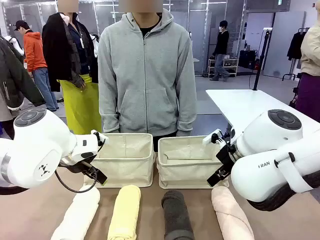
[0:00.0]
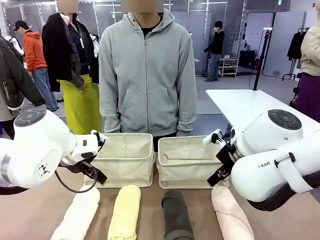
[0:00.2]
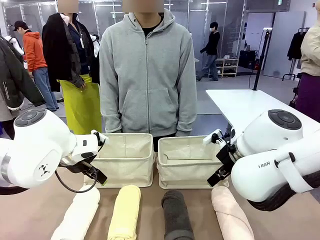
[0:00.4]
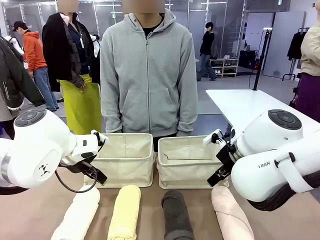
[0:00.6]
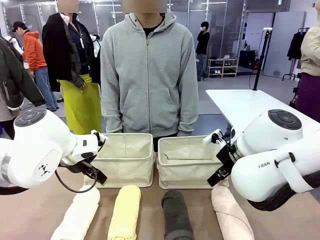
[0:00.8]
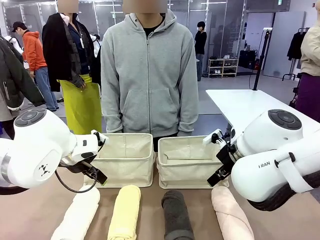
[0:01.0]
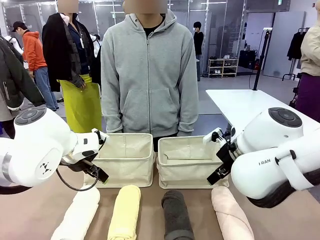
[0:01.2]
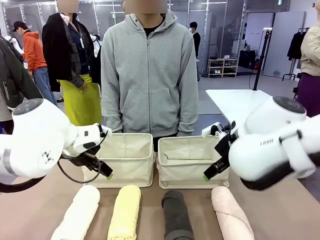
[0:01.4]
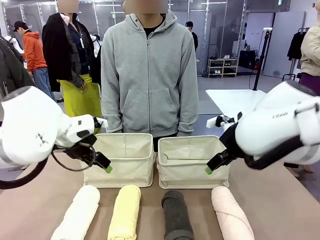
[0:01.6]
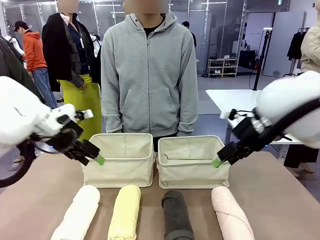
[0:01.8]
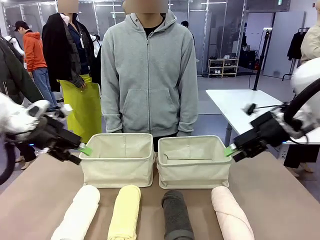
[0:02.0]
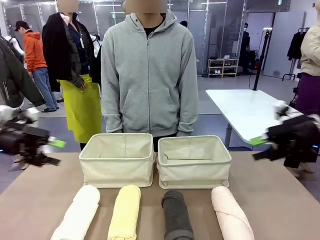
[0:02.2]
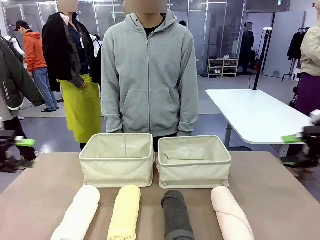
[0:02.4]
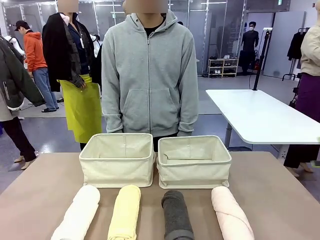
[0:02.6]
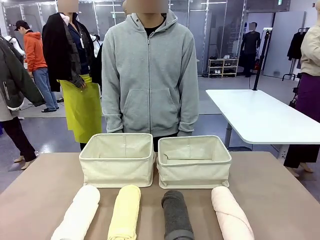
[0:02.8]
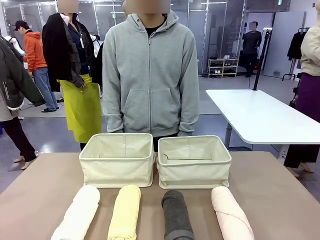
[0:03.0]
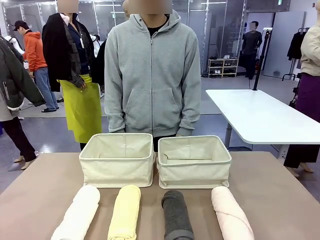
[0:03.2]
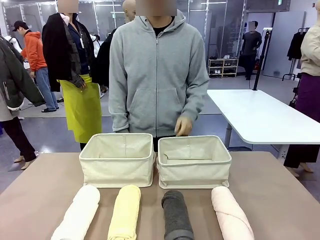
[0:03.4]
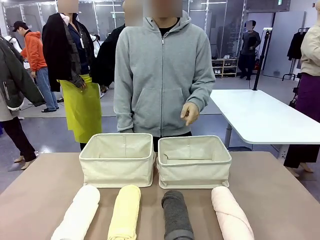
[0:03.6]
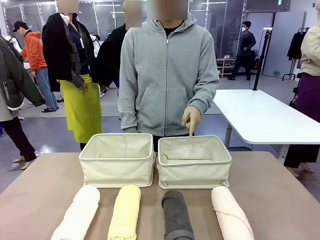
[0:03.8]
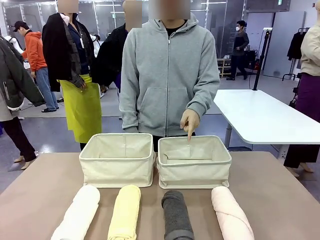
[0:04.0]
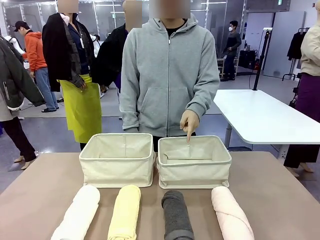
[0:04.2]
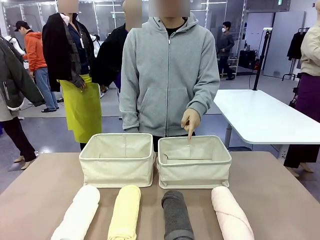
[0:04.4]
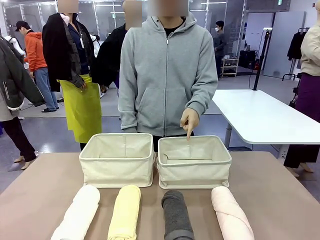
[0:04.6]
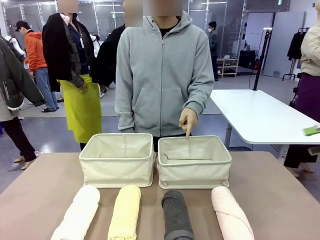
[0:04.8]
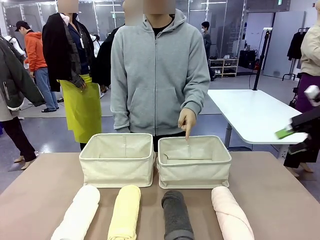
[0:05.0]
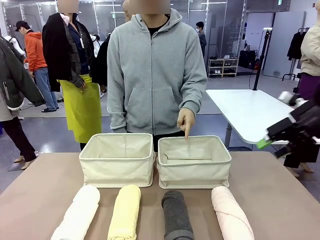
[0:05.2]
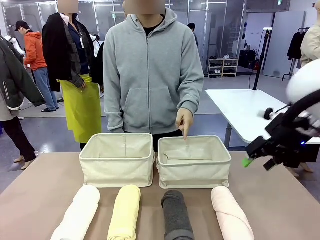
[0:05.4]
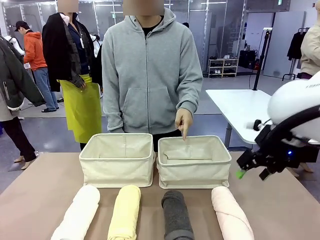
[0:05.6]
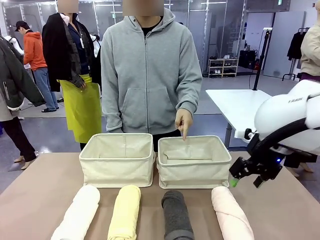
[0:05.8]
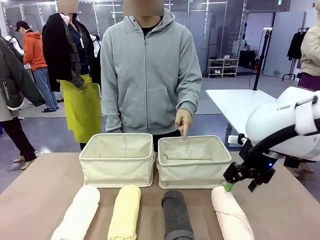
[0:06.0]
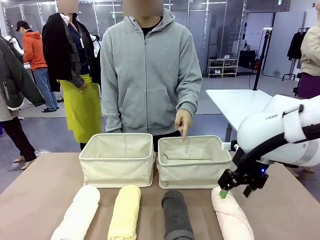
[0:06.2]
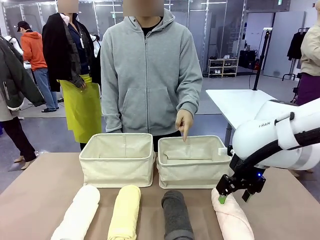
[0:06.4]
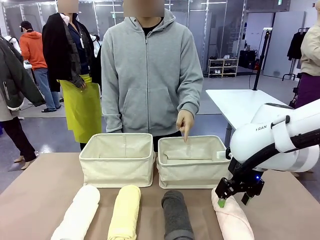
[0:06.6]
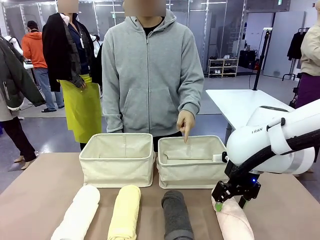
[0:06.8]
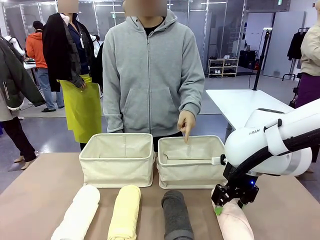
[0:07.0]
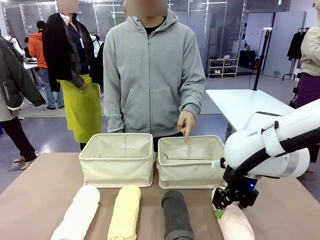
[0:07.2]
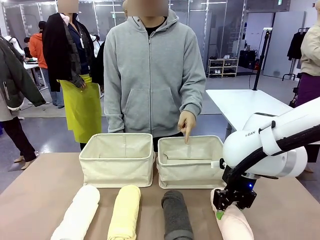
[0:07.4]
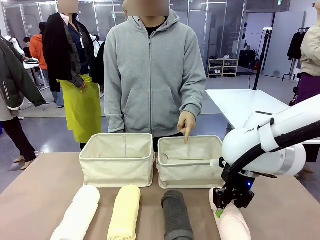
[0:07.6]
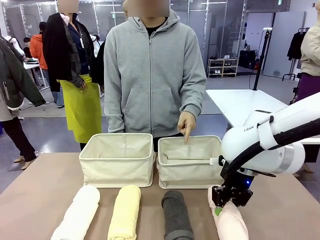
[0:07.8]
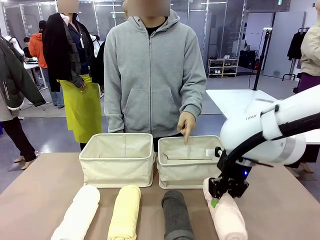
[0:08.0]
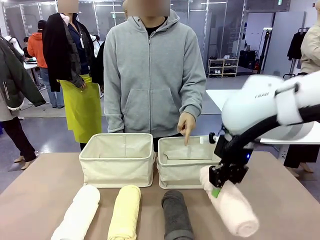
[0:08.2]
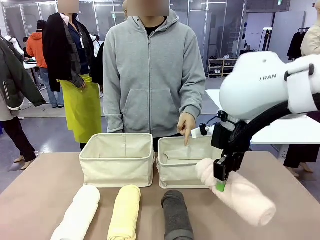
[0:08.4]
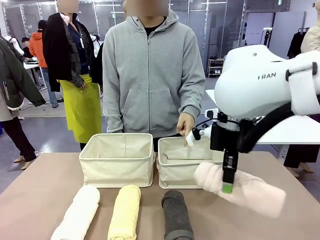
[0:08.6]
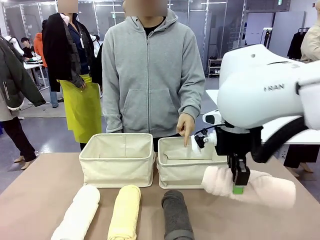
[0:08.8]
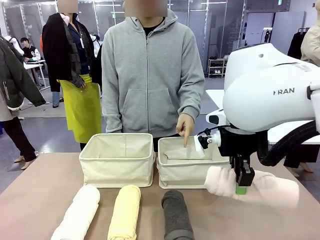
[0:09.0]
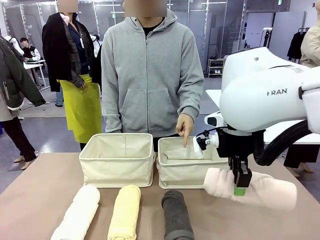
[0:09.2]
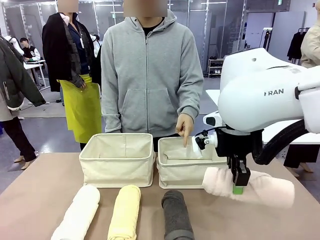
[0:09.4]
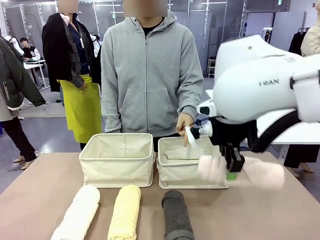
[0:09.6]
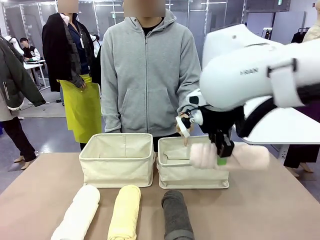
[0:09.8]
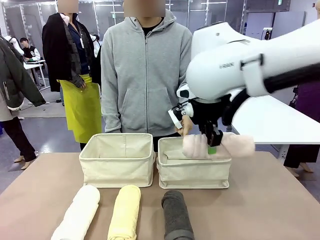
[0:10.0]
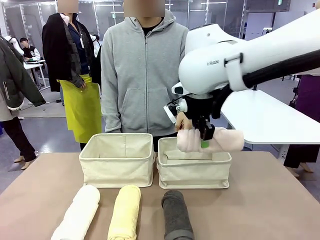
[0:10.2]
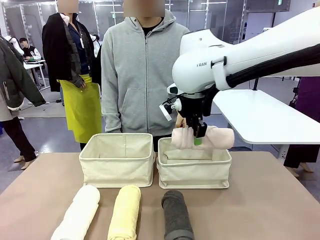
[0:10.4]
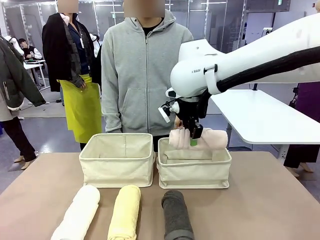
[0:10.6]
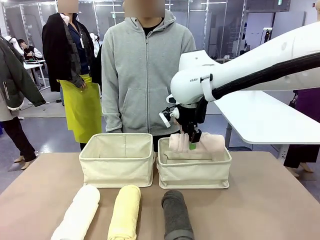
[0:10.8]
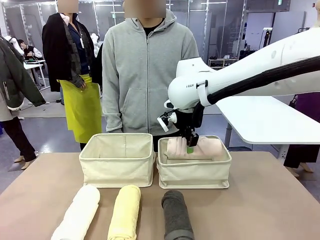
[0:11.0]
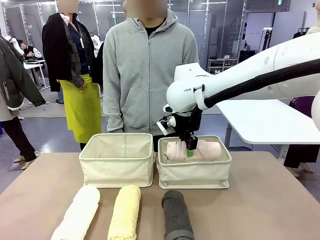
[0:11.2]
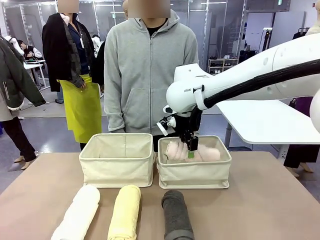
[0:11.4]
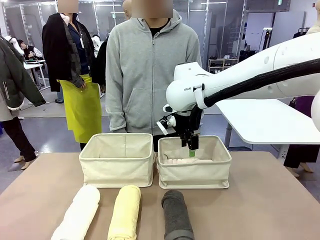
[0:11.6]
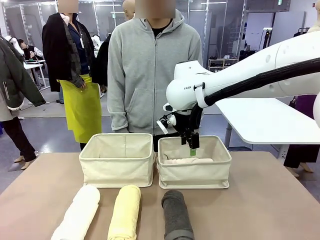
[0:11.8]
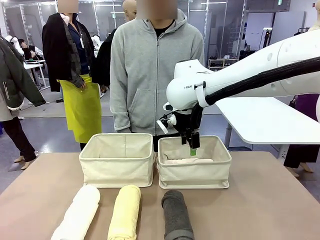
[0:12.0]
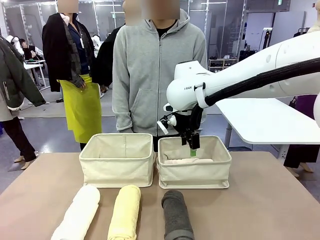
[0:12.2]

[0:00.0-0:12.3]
Task: Divide the towels into two baskets.
Robot: Pick up one hotel-folded towel and place it in the Fabric basket indicated by the person.

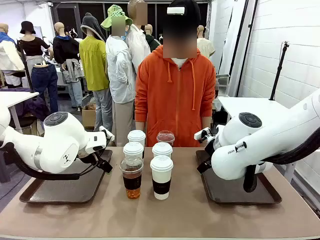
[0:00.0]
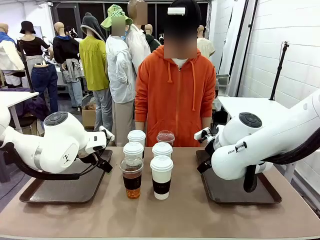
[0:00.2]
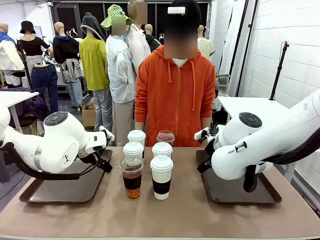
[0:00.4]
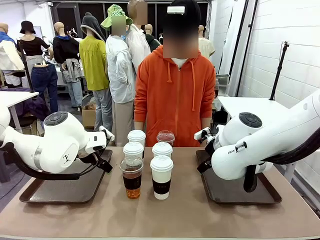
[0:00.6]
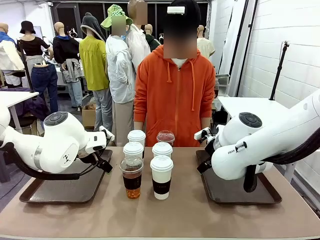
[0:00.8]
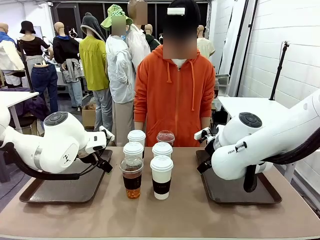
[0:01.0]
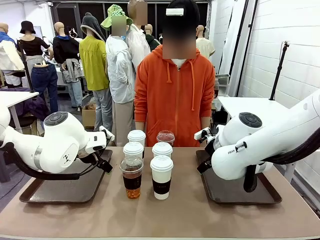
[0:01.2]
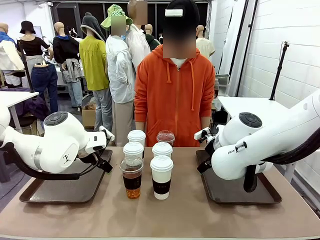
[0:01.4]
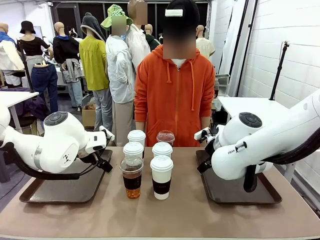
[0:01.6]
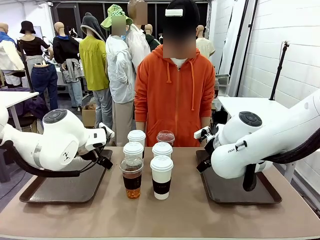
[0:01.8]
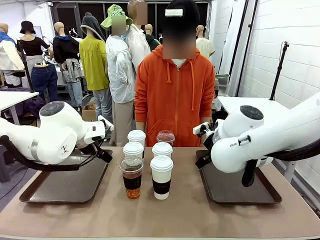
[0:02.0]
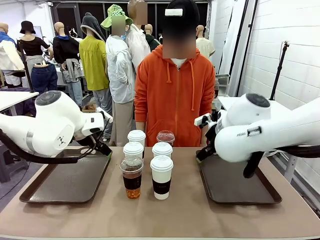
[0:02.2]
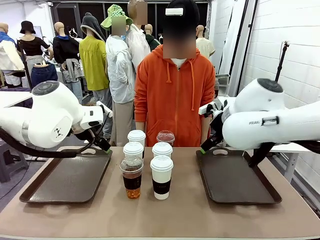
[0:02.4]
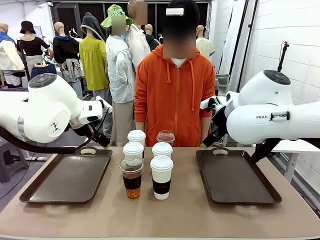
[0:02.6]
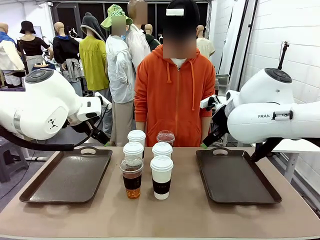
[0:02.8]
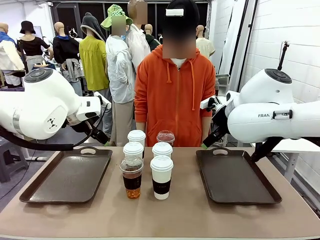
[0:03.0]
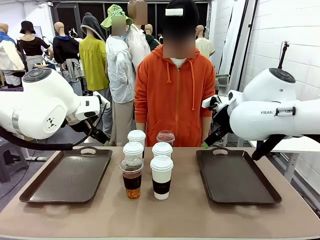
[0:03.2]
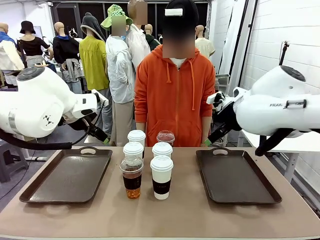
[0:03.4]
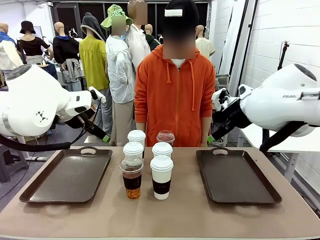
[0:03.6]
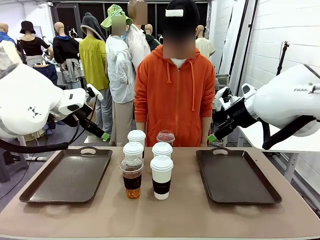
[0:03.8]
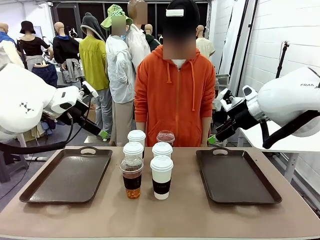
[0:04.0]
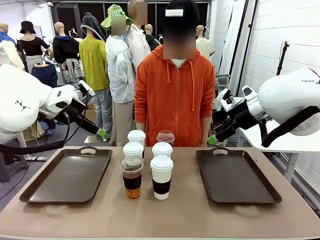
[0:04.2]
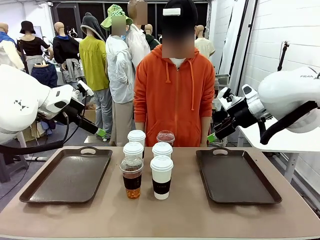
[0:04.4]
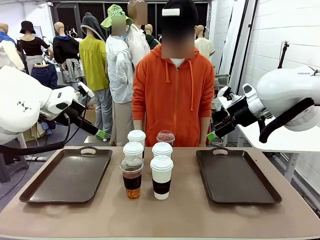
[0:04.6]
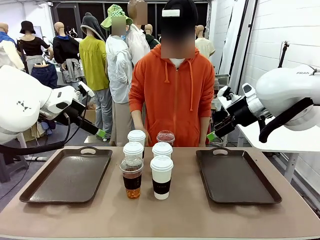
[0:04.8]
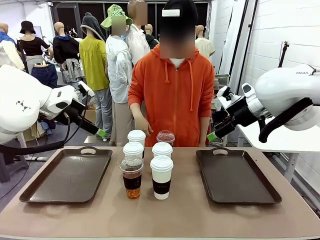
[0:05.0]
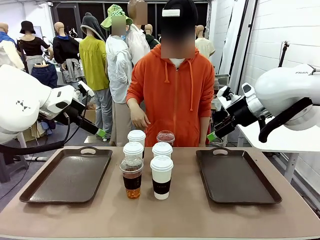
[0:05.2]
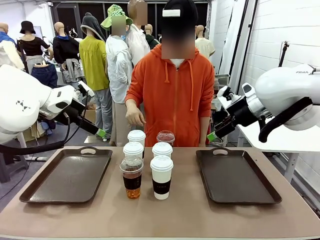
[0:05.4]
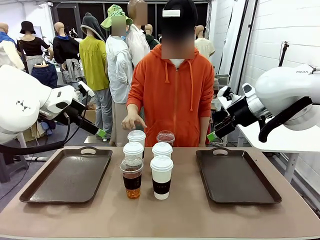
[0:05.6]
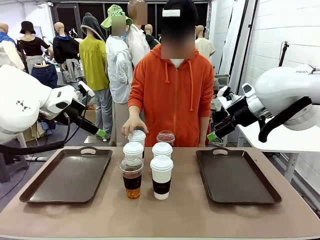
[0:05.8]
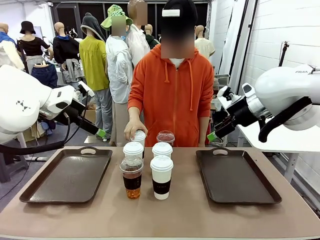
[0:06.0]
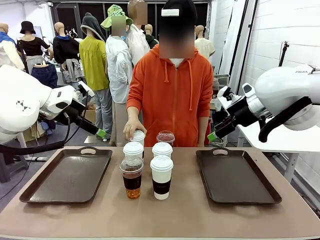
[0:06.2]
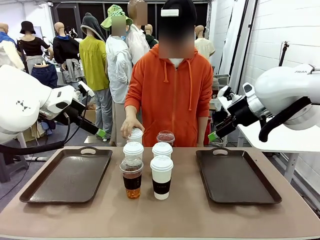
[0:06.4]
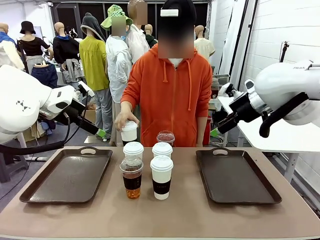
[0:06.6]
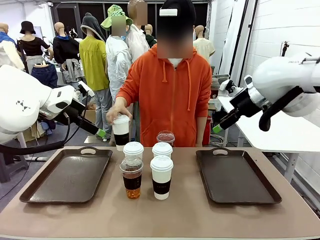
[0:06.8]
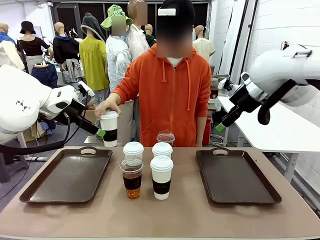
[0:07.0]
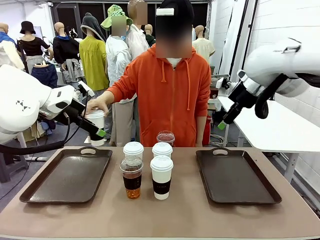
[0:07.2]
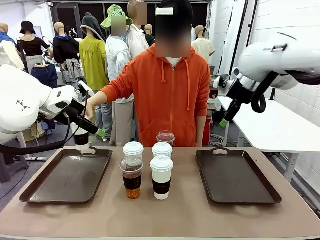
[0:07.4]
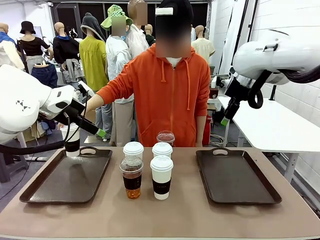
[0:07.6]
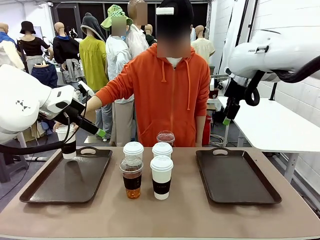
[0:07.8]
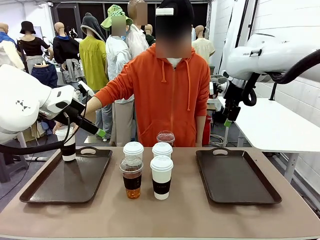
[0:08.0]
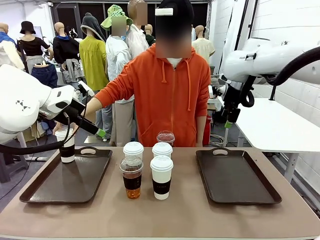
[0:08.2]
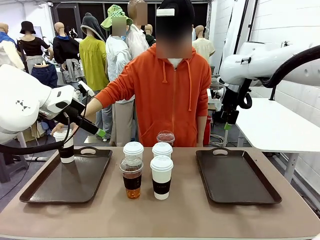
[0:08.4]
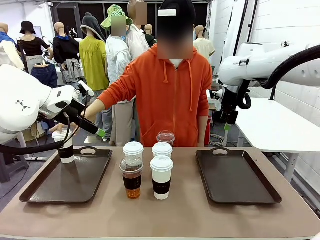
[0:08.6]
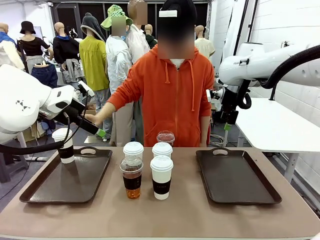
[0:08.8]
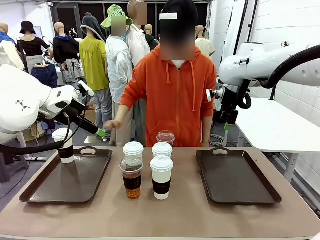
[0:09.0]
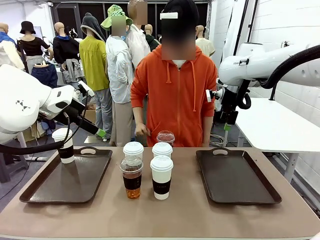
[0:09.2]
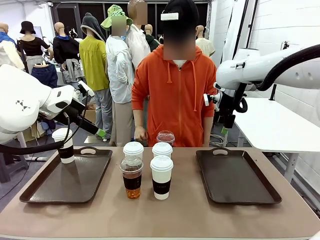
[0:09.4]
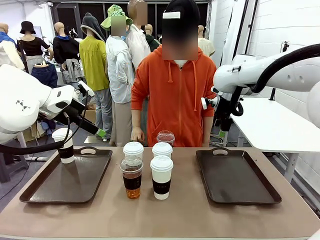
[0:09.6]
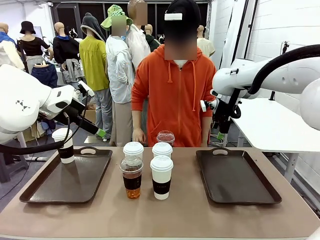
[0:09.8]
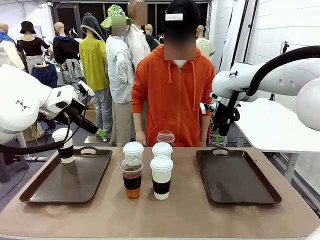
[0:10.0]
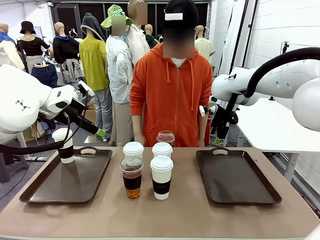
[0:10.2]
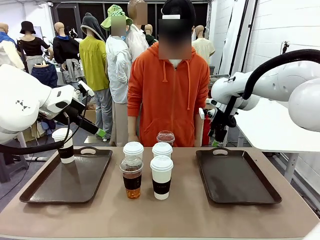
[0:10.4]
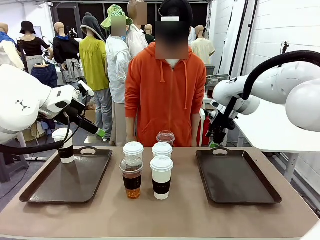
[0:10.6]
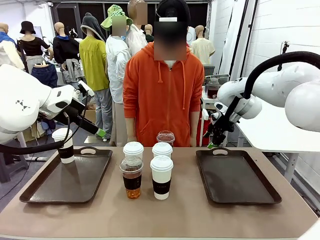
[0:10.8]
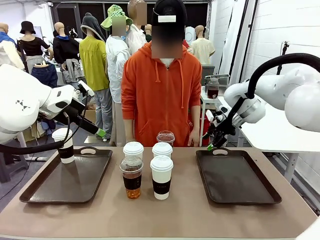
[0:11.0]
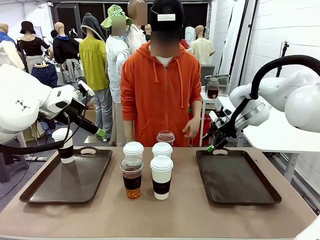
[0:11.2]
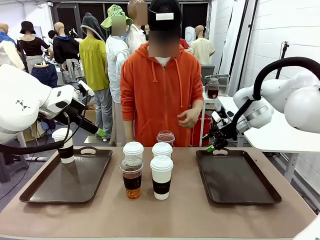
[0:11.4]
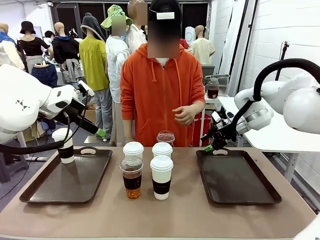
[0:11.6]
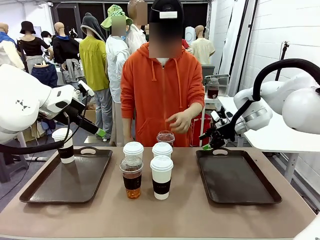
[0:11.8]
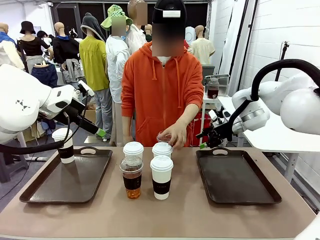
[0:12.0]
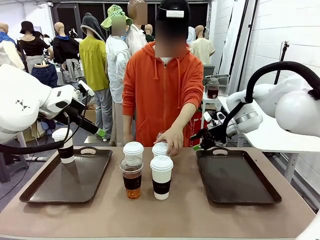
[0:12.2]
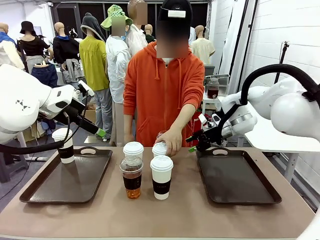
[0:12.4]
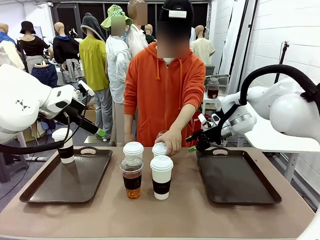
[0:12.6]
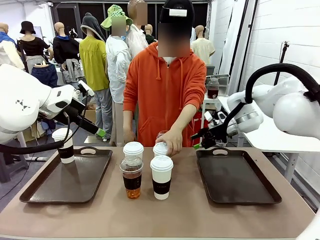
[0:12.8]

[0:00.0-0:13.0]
Task: Distribute the coffee onto the tray.
Robot: Pick up one iced Americano and place it on the right Handle tray.
Person: Pick up a cup of hot Americano and place it on the right tray.
